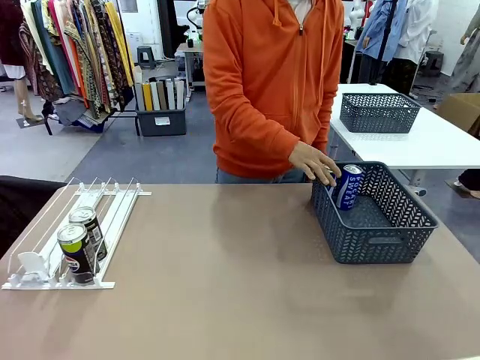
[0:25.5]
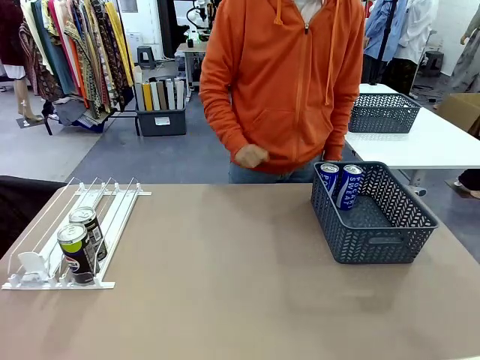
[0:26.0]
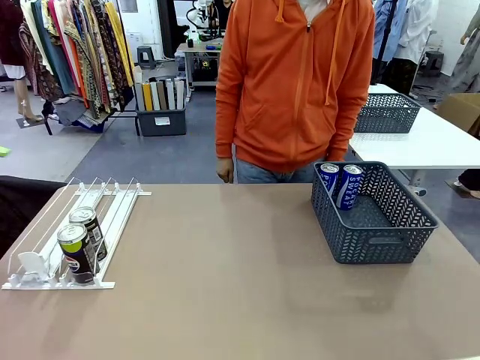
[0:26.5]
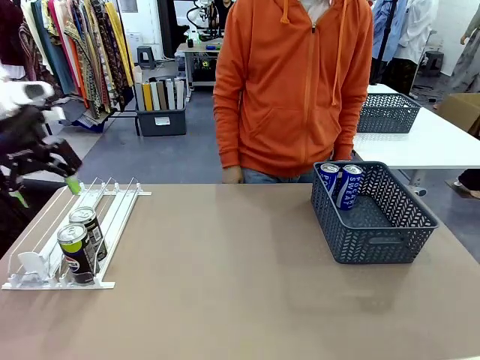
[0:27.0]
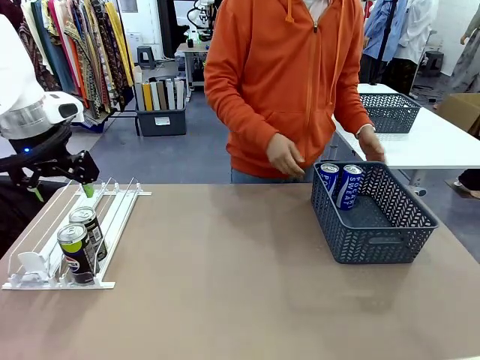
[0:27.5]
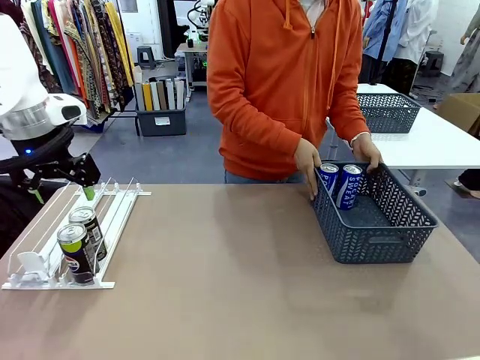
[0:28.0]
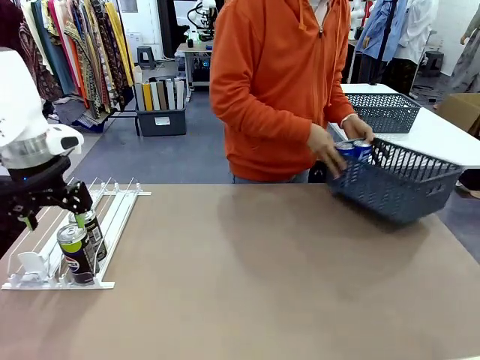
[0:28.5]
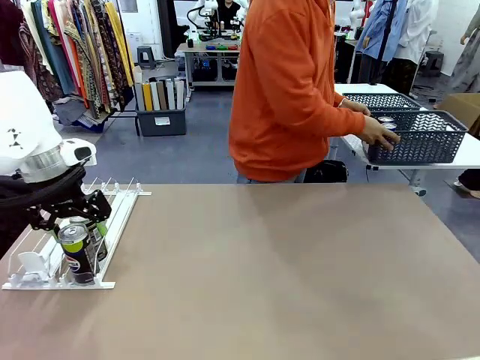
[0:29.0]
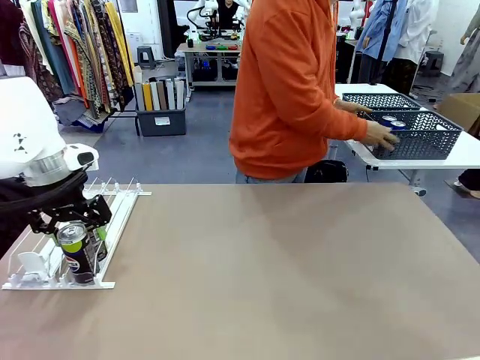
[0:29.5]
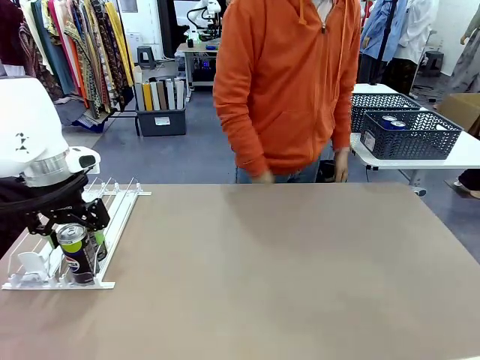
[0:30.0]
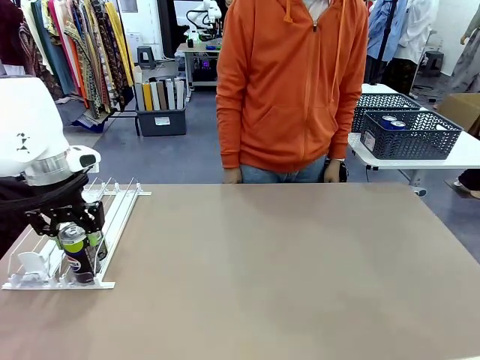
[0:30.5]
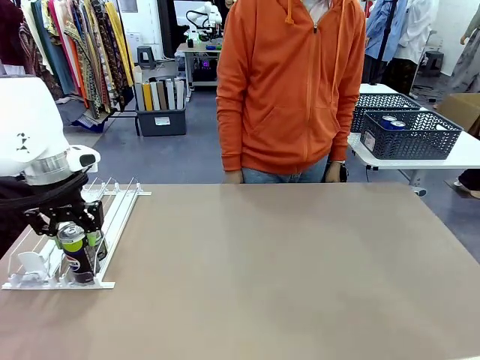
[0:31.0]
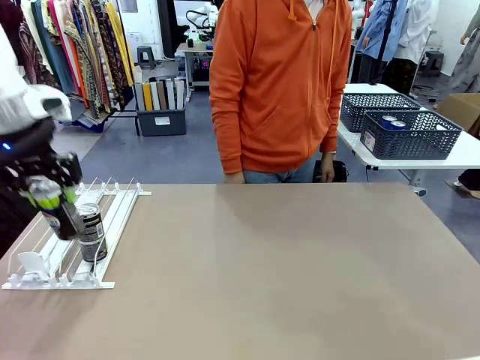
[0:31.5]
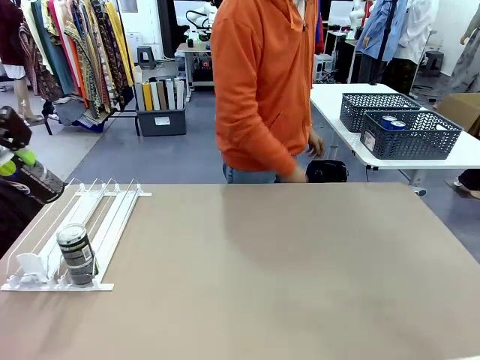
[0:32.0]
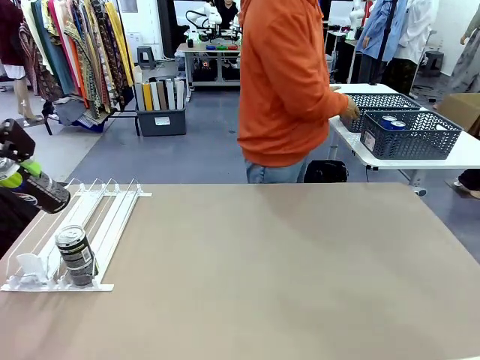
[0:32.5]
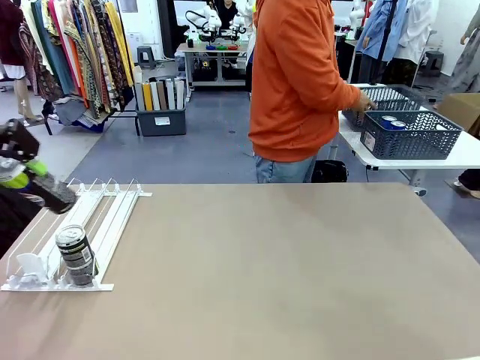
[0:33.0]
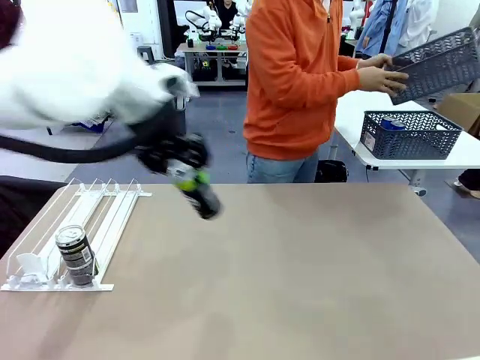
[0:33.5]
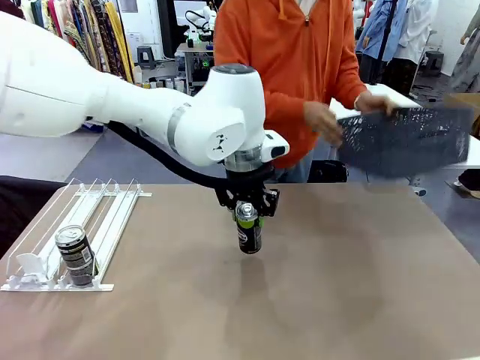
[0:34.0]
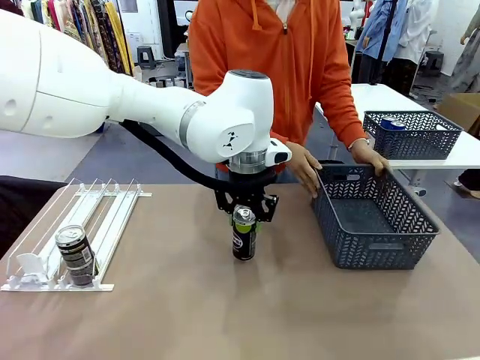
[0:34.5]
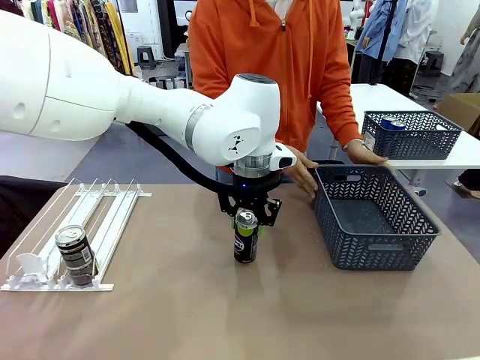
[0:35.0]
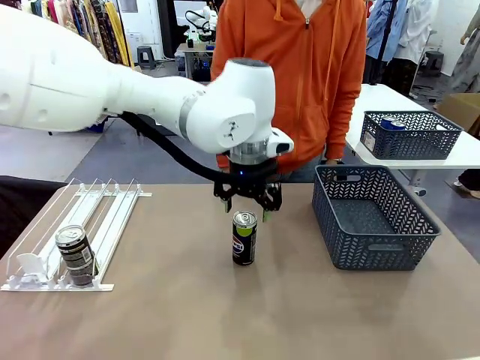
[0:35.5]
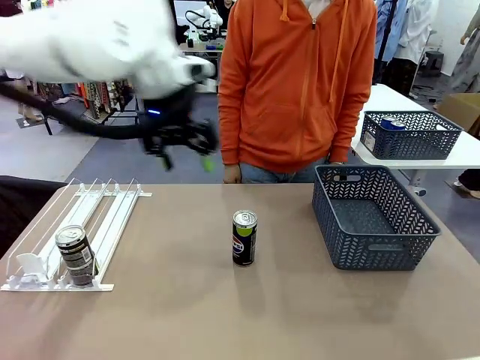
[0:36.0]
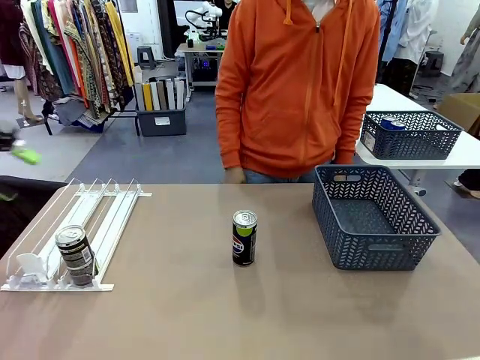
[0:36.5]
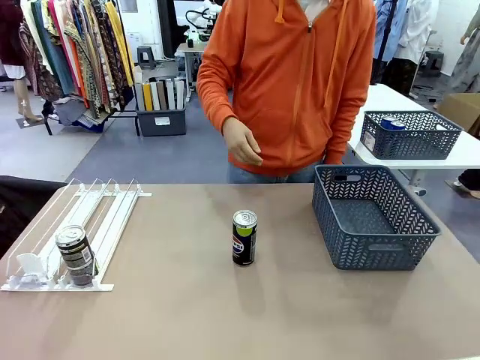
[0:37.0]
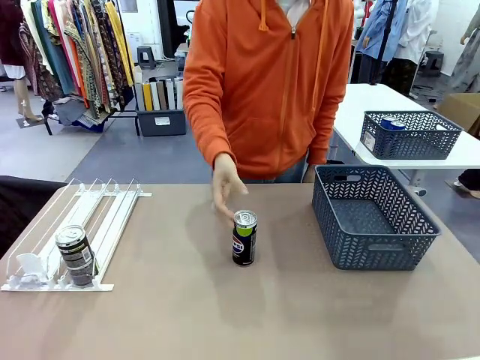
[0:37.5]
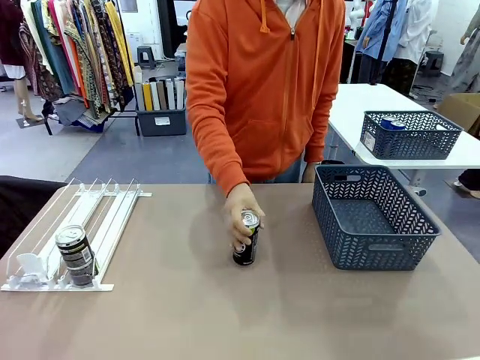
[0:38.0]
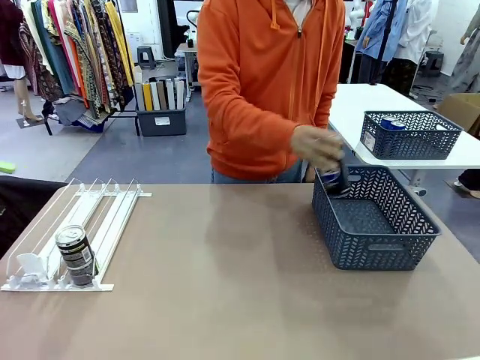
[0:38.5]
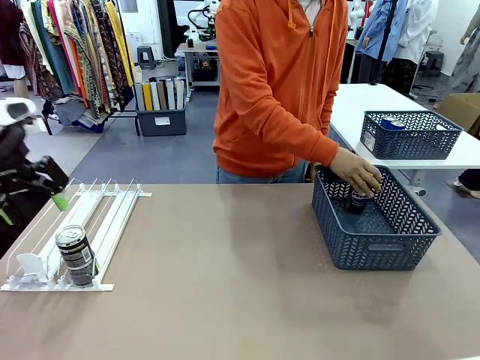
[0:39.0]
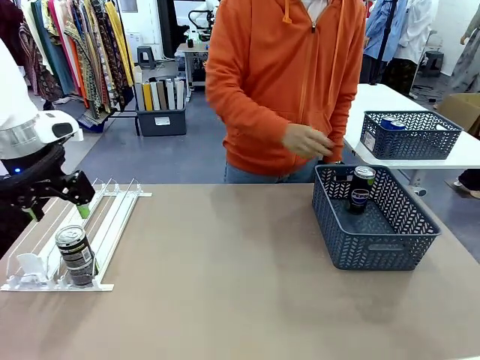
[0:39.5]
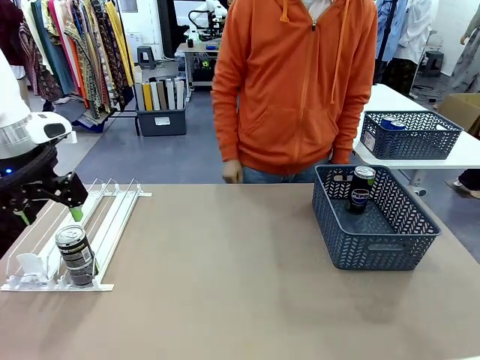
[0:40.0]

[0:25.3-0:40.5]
Task: Retrieve and store the cans from the dispenser.
Robot: Pick up one can from the Automatic Can Dispenser and place it in the middle of the table.
Person: Pick up the basket and place it in the middle of the human table. Pick up the empty basket and place it on the left side of the robot table.

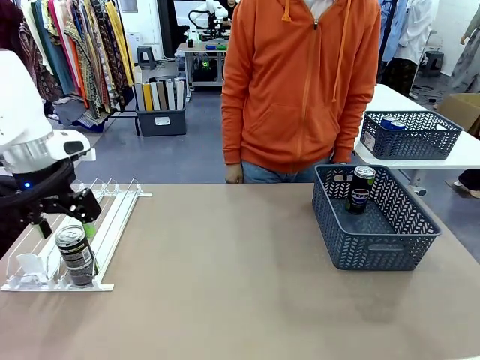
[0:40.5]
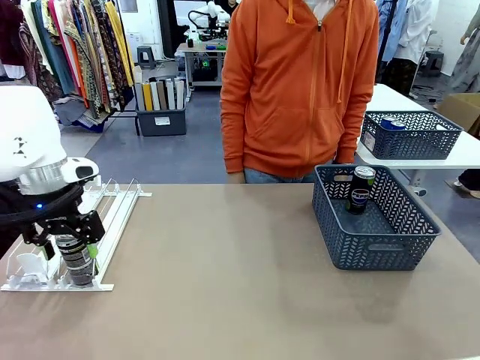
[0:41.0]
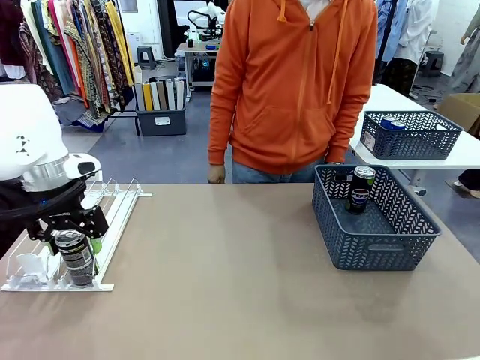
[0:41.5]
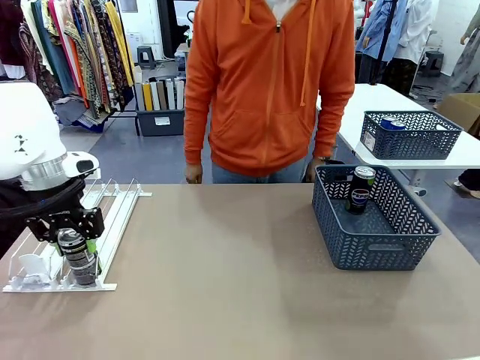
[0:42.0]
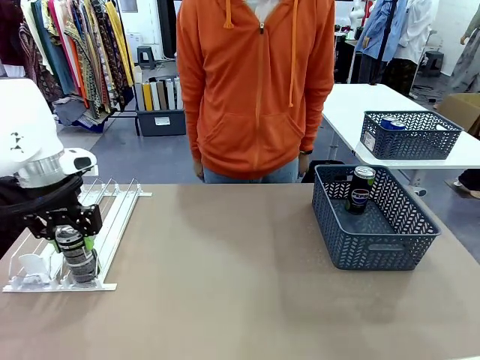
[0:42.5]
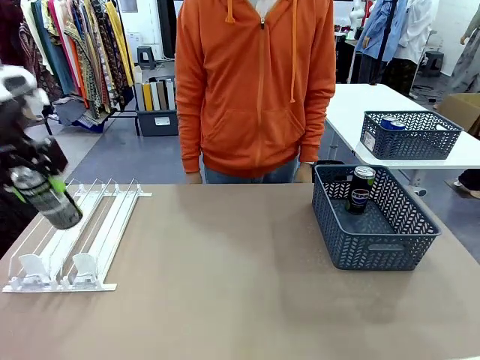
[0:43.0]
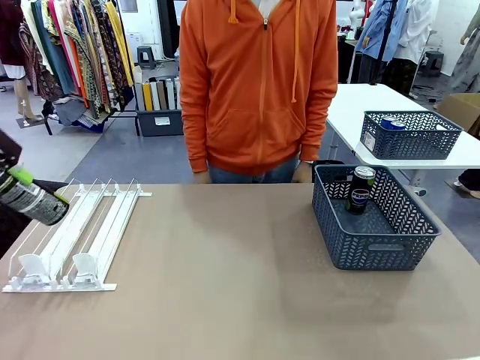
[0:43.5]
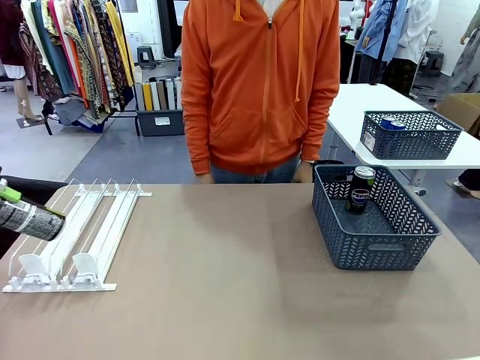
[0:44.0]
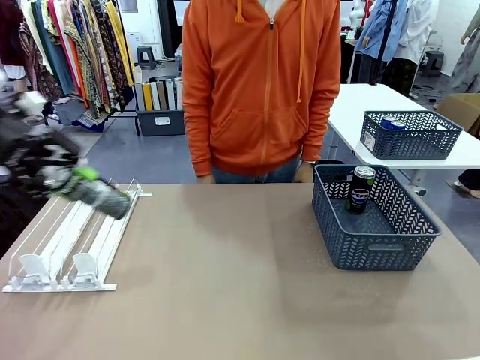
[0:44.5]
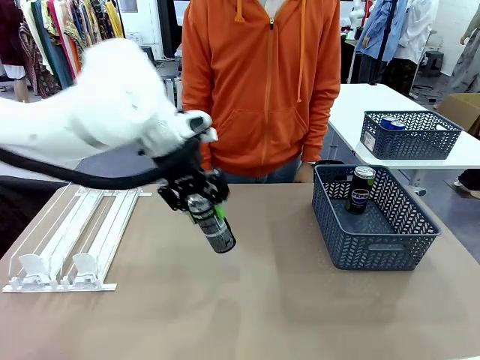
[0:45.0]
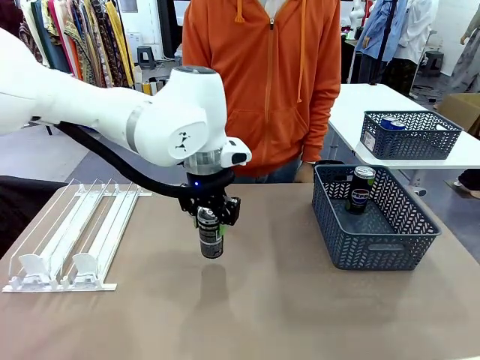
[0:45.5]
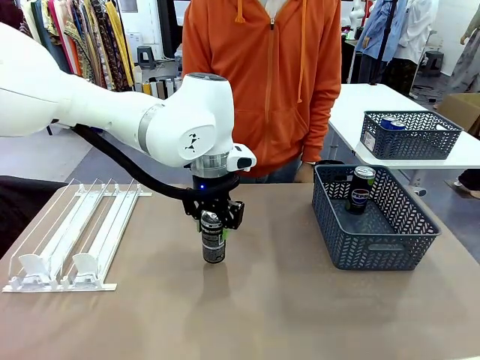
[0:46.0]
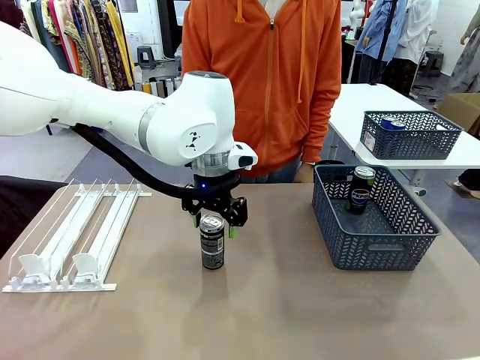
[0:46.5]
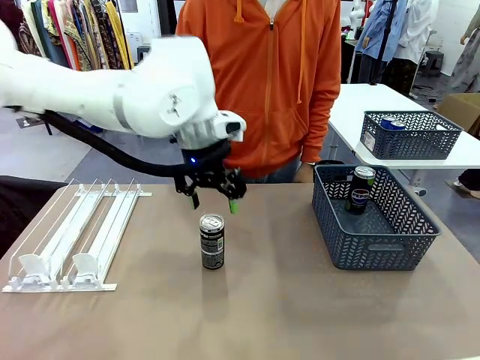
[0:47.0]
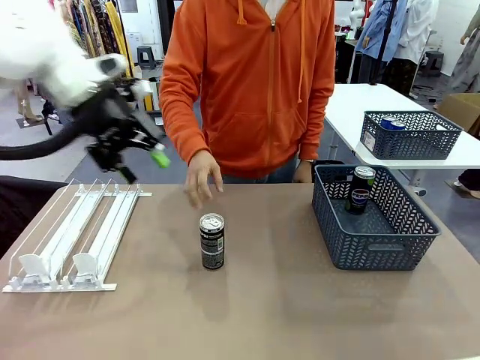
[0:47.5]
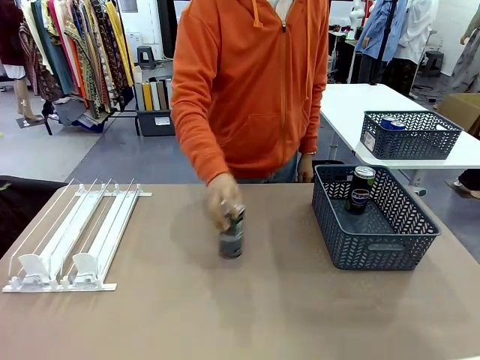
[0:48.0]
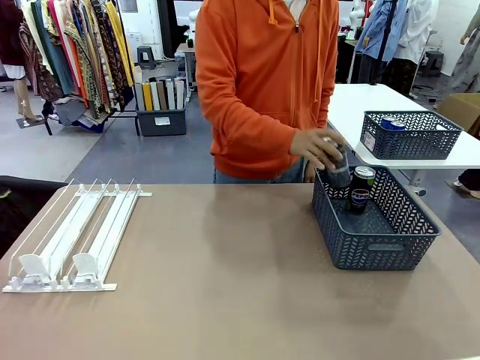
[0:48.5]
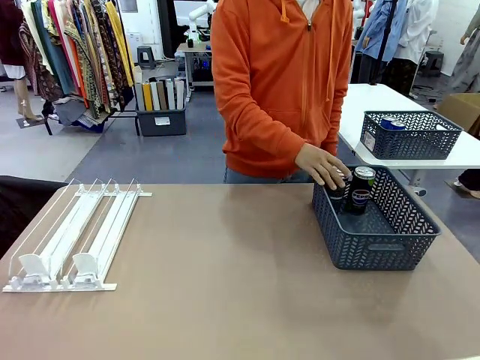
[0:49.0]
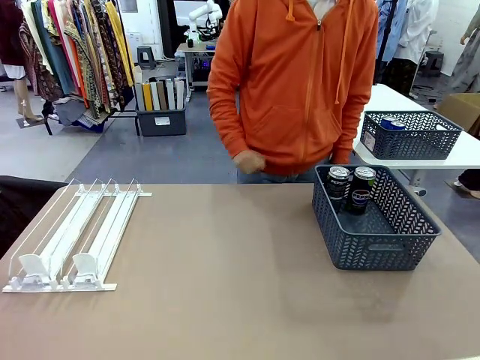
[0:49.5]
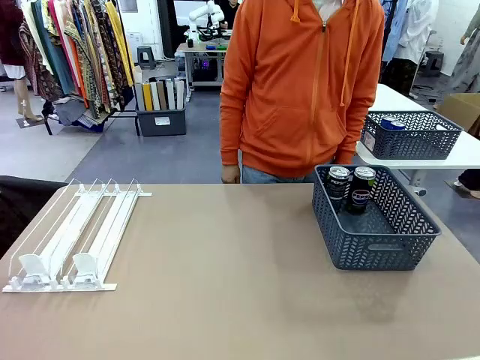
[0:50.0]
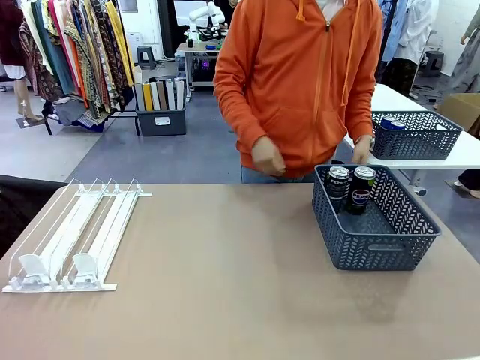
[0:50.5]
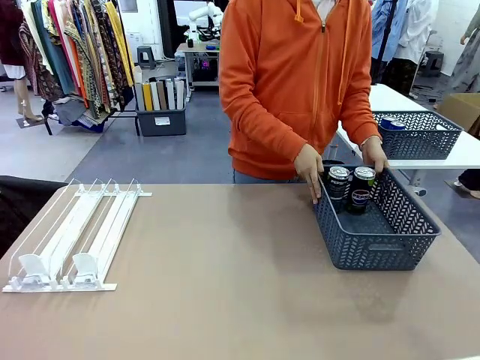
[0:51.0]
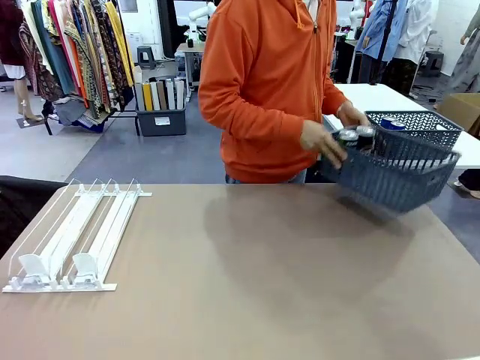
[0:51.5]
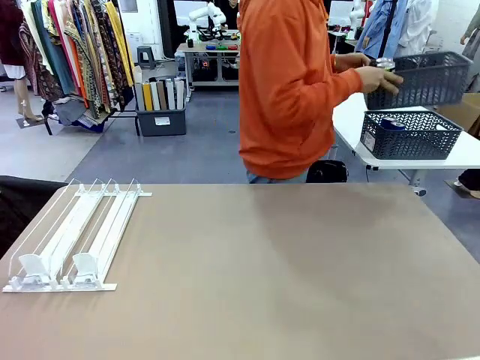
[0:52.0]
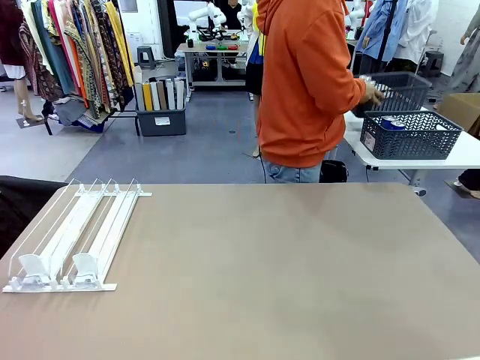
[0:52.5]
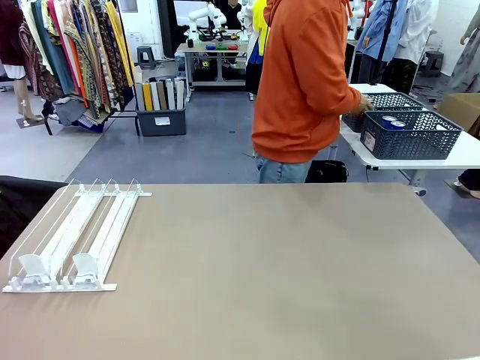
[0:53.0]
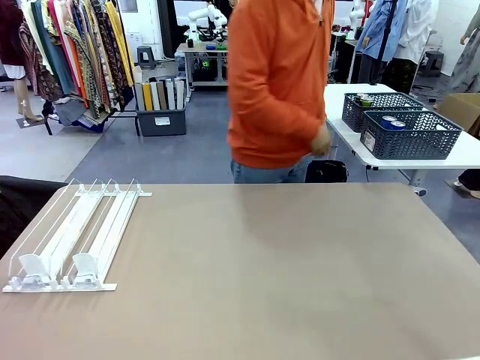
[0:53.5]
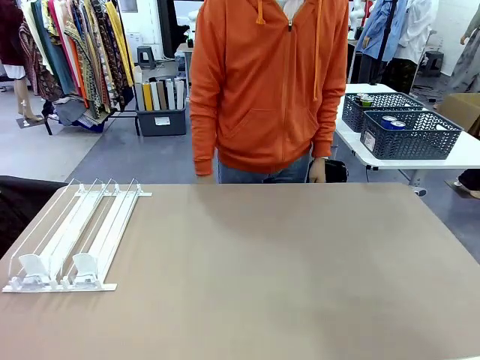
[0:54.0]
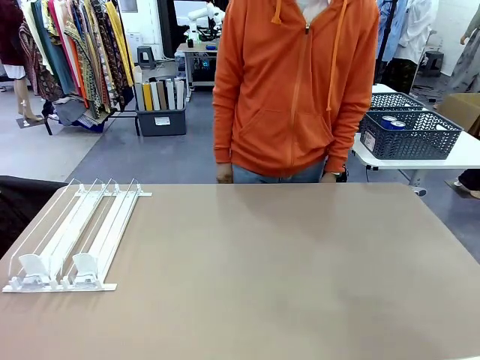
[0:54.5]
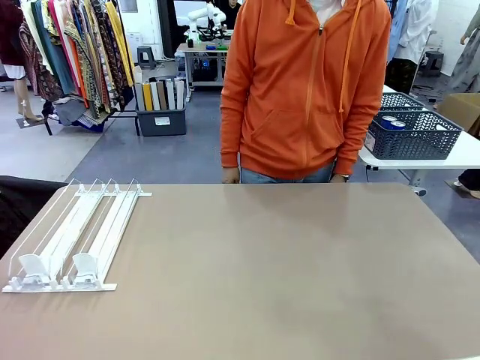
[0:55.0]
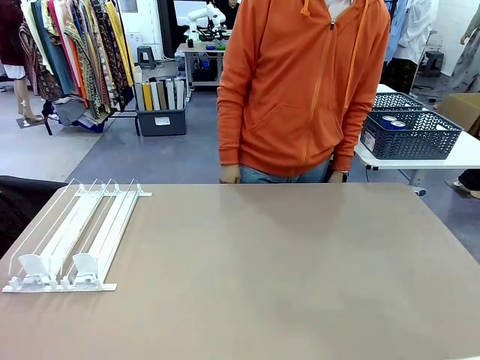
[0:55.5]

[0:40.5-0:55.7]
Robot: Pick up one can from the Automatic Can Dispenser and place it in the middle of the table.
Person: Pick up one sports drink can from the middle of the robot table and place it in the basket. Pick up the basket and place it in the middle of the human table.
